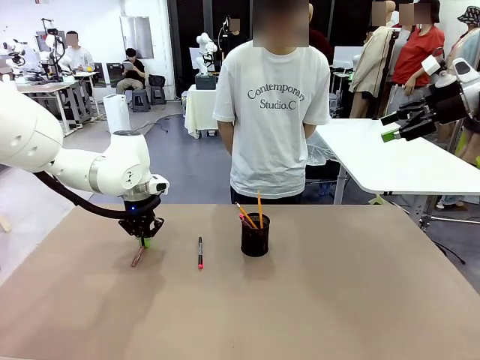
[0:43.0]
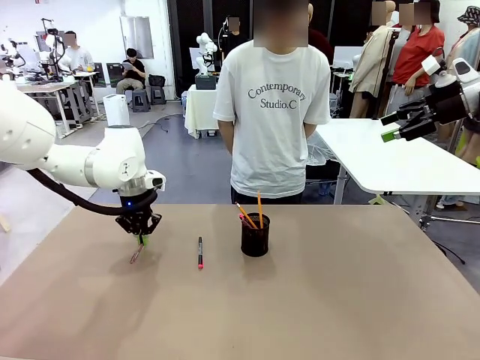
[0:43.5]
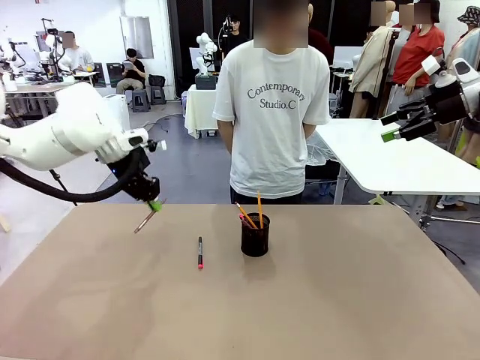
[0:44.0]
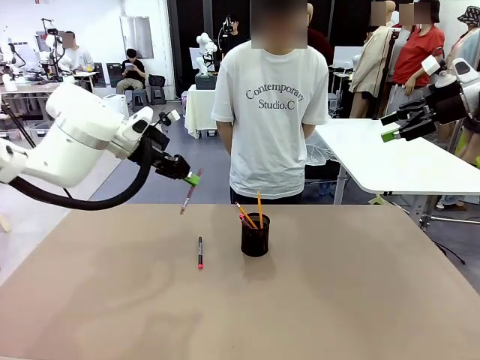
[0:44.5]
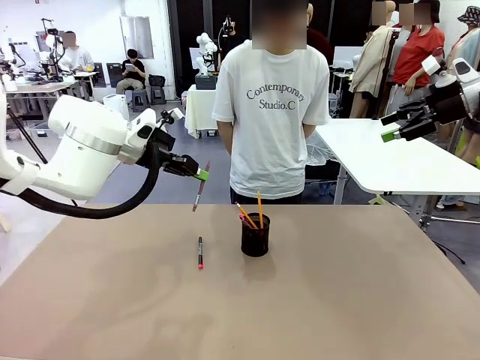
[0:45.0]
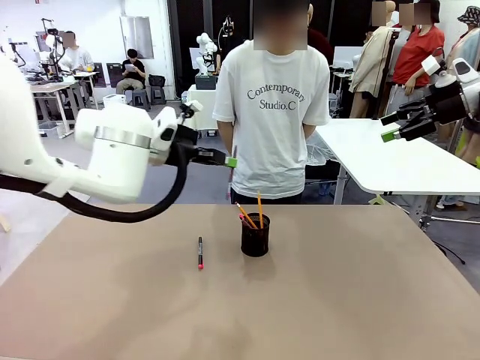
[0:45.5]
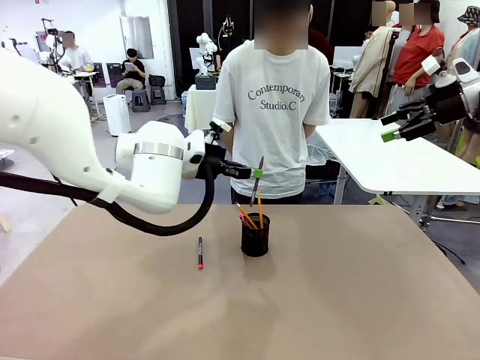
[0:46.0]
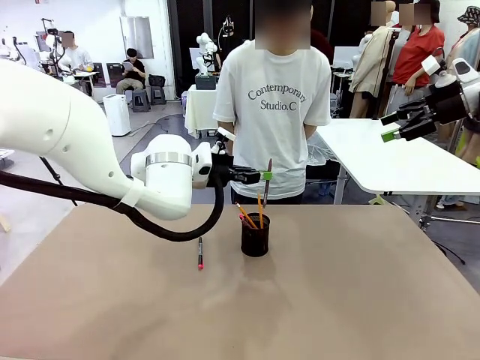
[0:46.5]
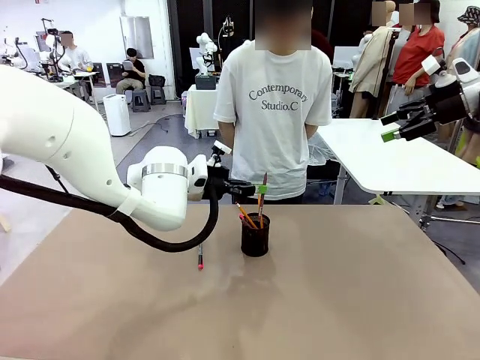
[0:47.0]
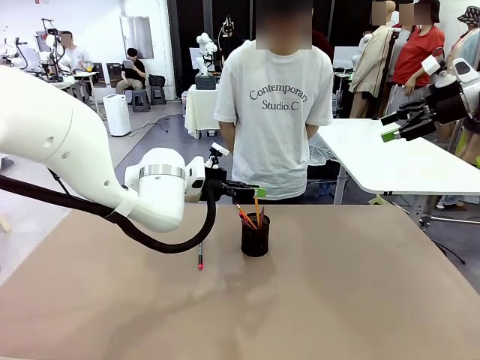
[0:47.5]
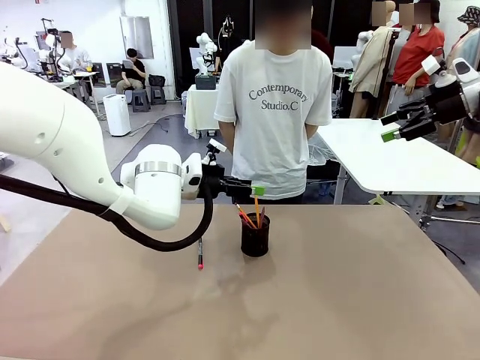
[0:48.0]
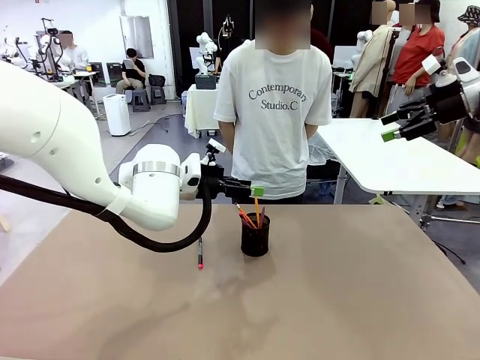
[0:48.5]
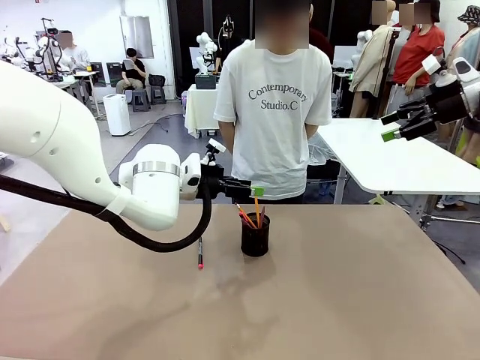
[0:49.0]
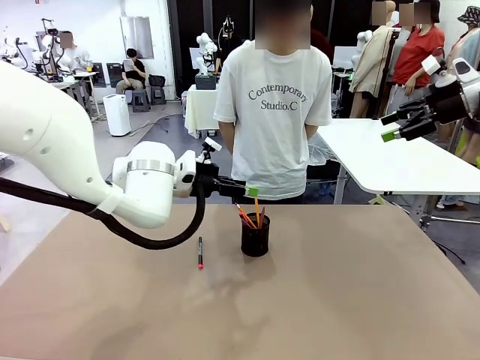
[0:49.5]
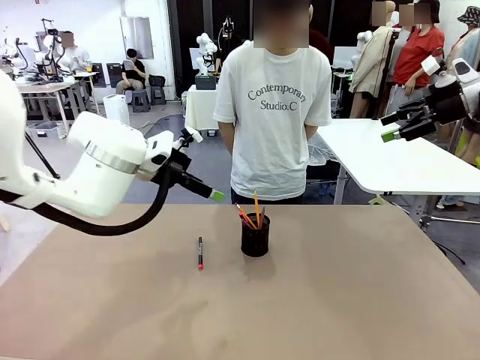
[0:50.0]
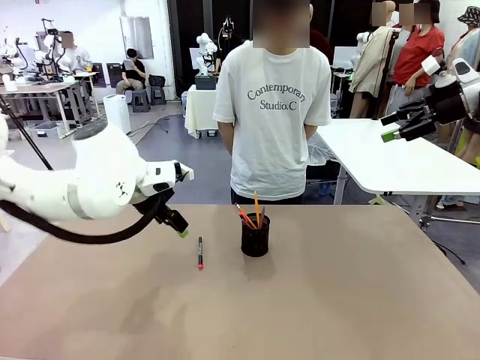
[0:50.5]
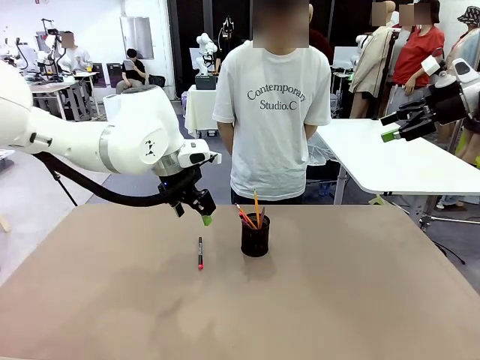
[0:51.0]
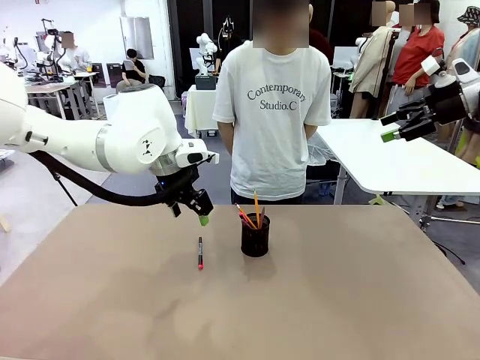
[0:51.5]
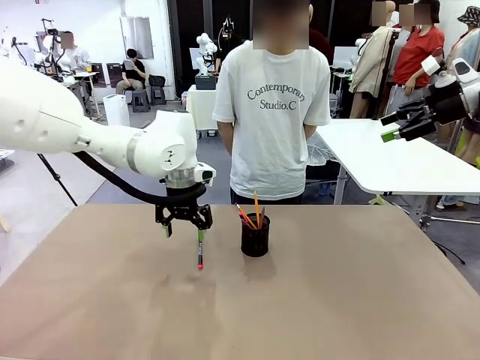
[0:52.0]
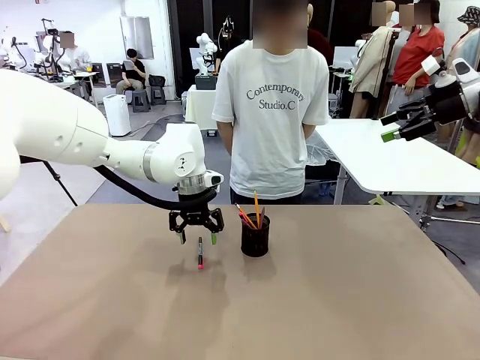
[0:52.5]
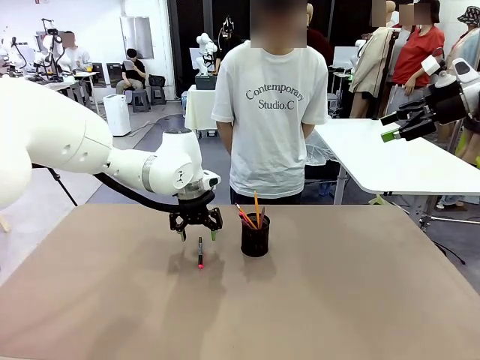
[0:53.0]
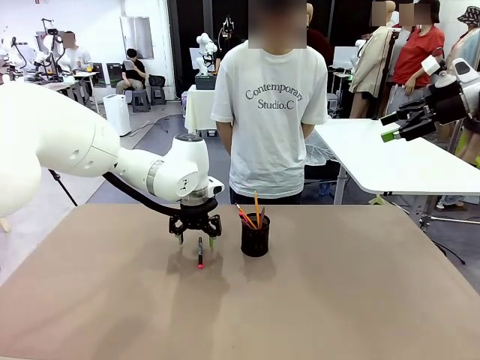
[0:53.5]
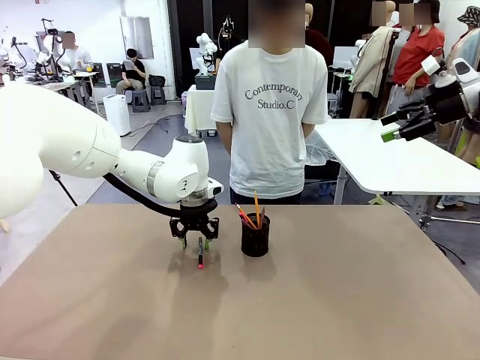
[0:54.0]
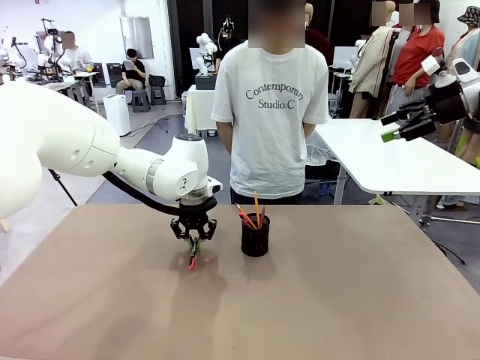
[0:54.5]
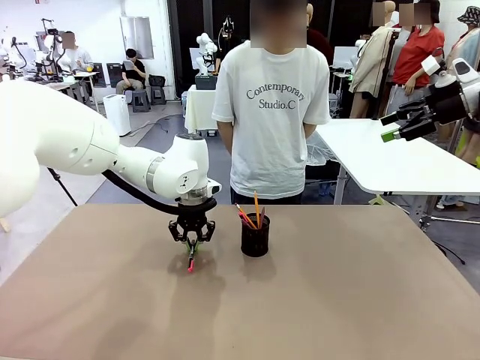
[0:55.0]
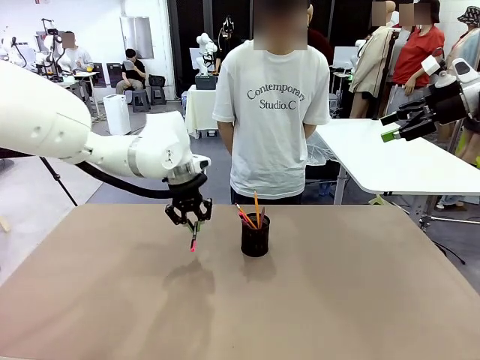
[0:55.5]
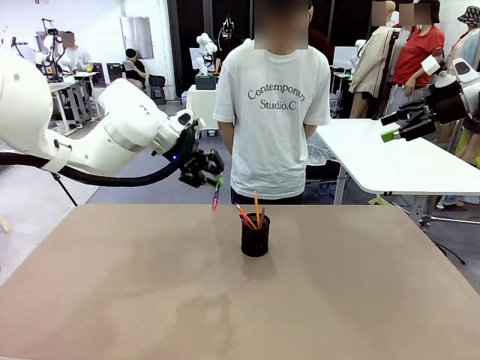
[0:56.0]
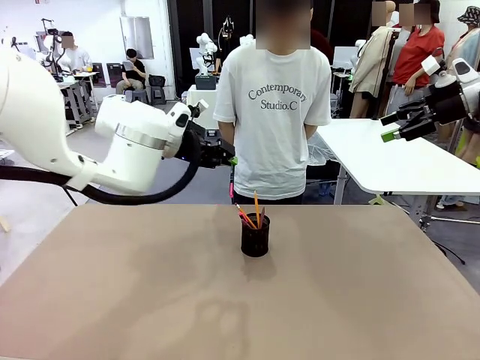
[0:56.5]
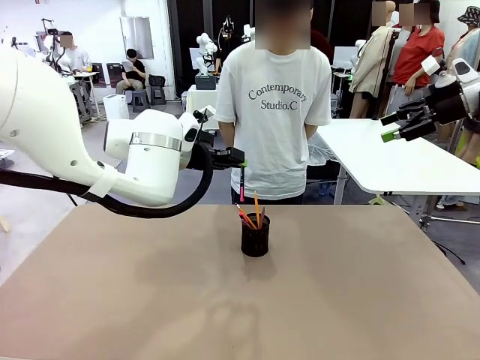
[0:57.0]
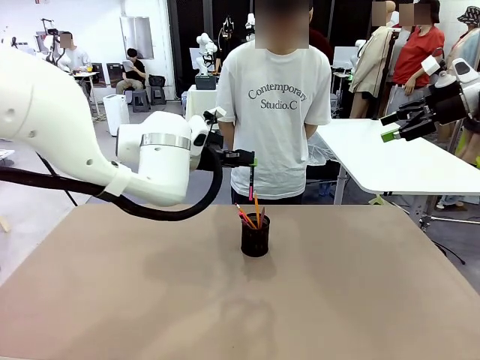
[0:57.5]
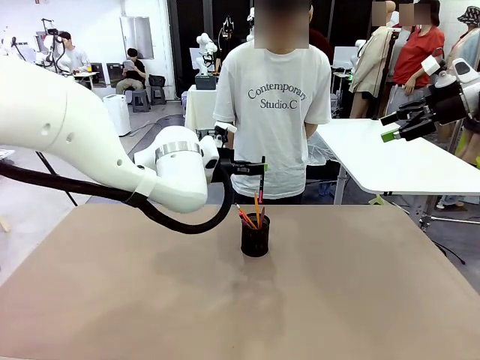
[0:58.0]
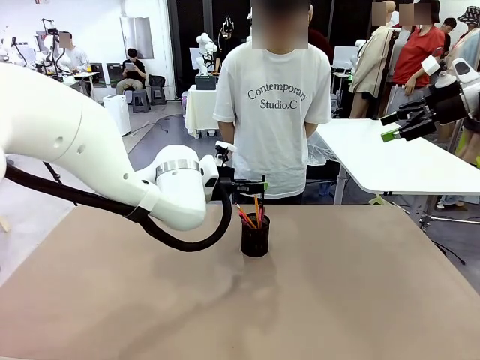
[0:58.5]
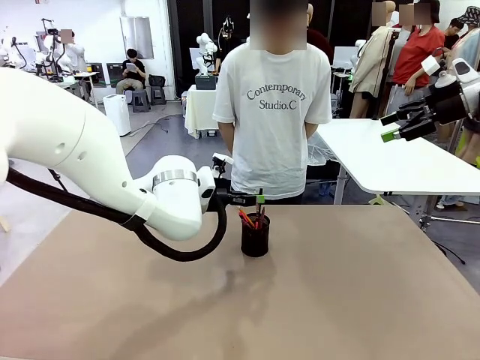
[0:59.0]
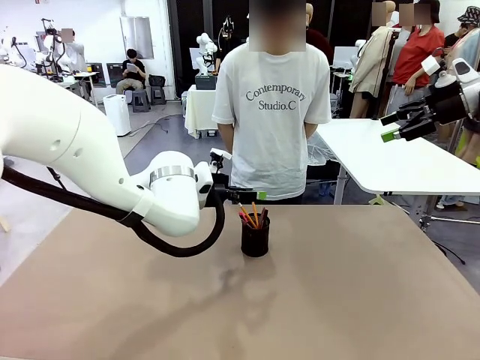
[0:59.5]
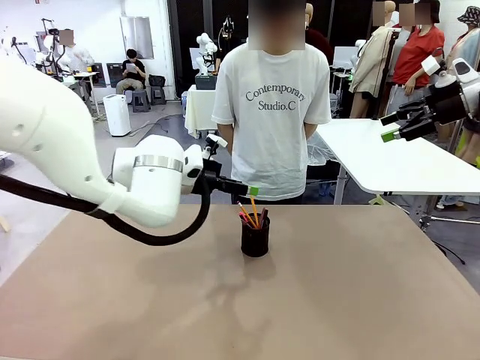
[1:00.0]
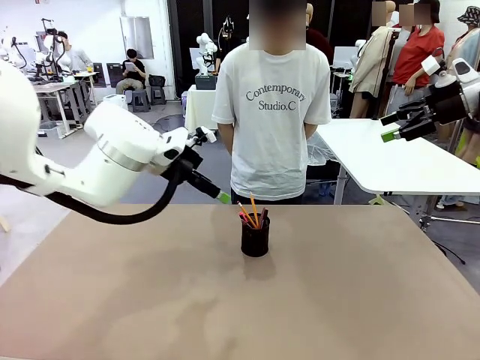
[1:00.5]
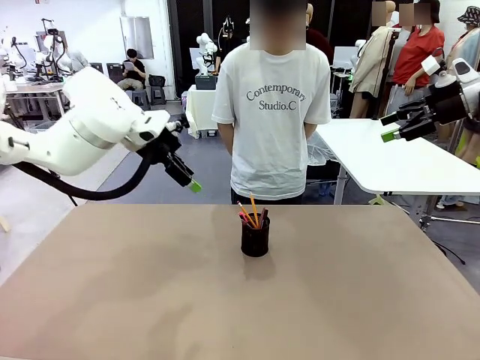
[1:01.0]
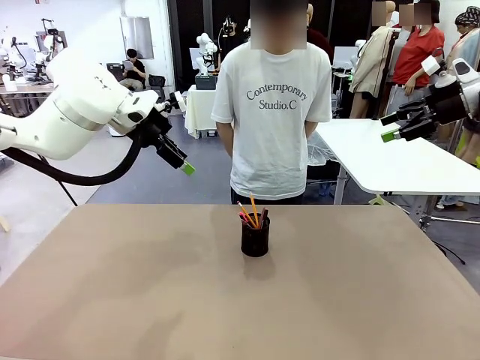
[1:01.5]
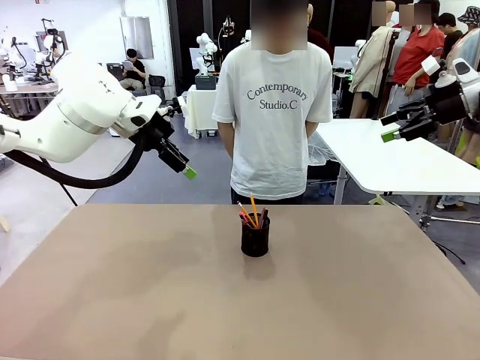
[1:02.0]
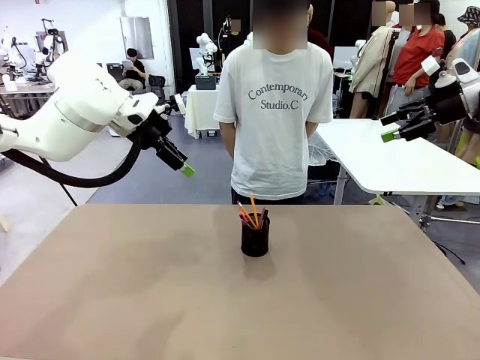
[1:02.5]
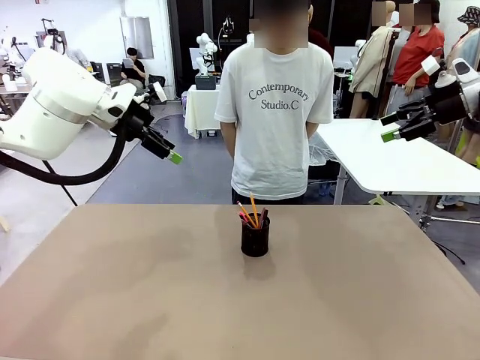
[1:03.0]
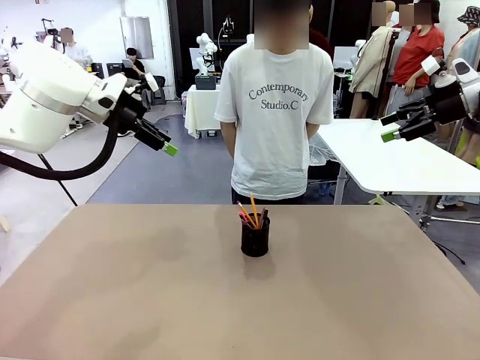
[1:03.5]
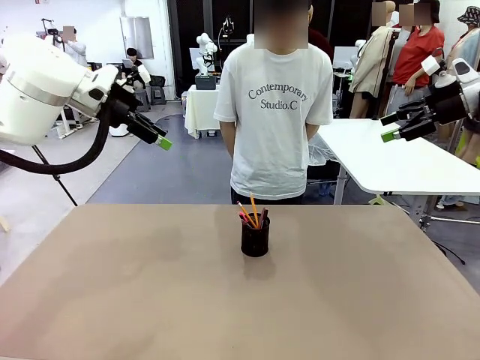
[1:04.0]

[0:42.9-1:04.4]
Task: Place the pens into the pen holder.
Robot: Pick up a writing instrument from the table and place it into the Pen holder.

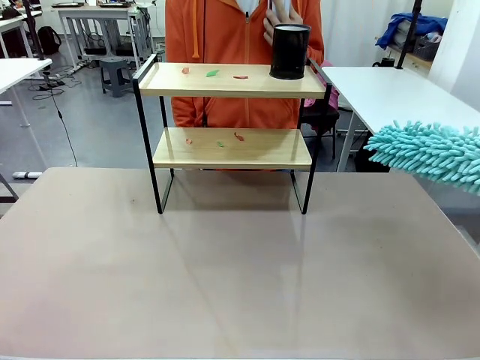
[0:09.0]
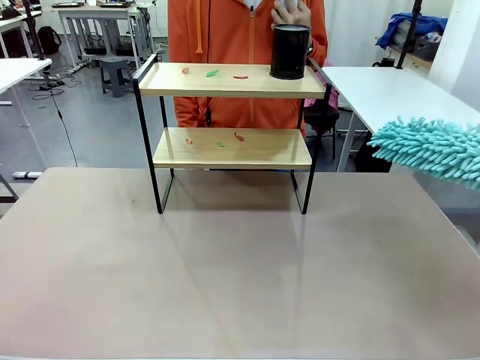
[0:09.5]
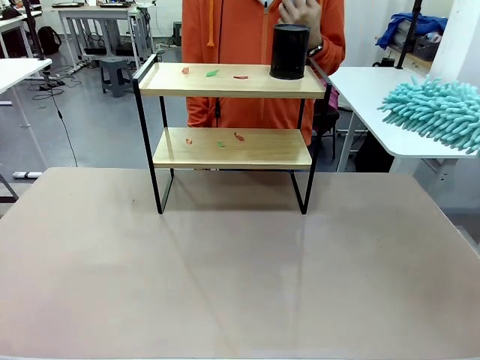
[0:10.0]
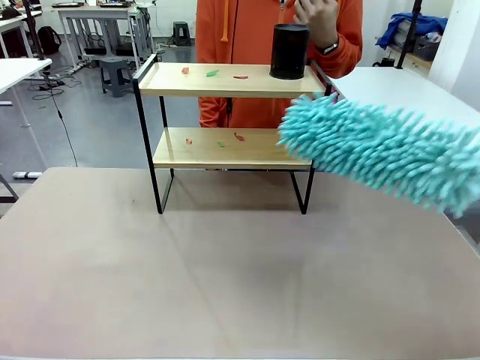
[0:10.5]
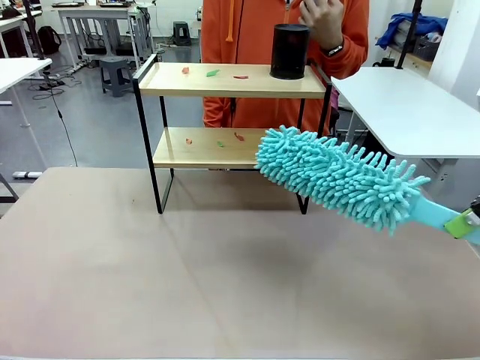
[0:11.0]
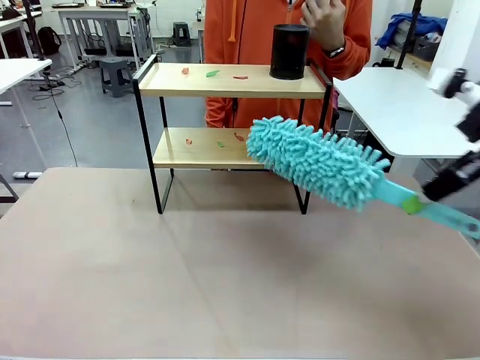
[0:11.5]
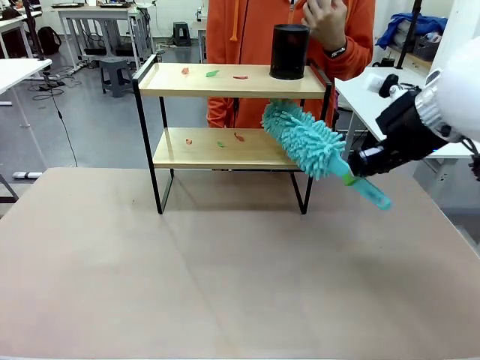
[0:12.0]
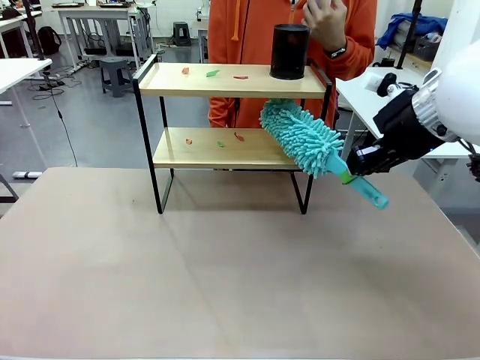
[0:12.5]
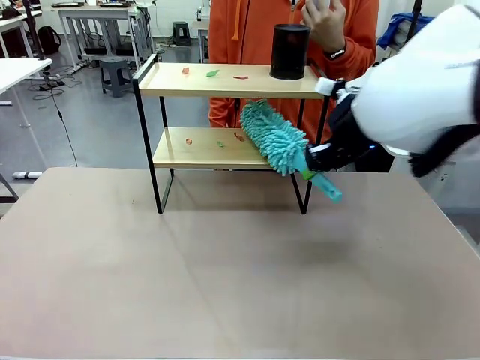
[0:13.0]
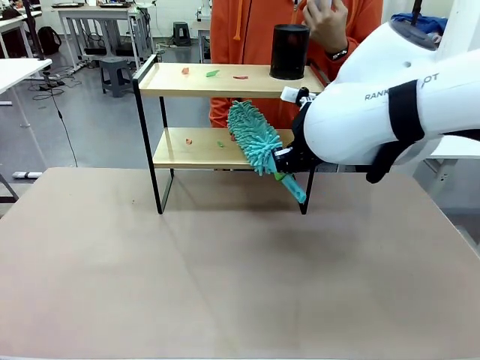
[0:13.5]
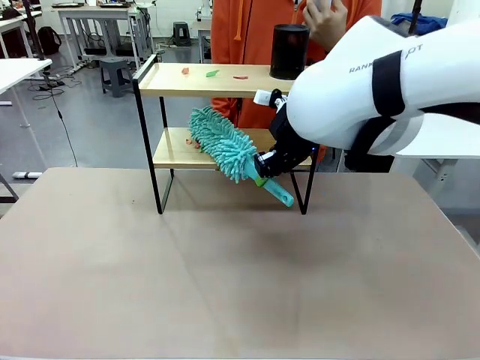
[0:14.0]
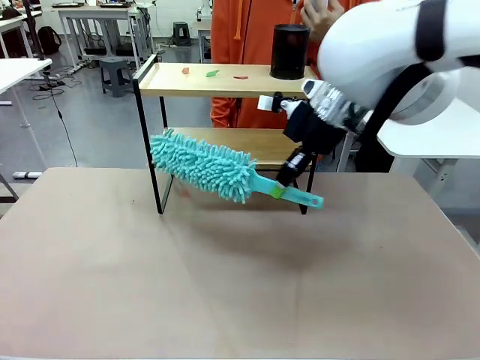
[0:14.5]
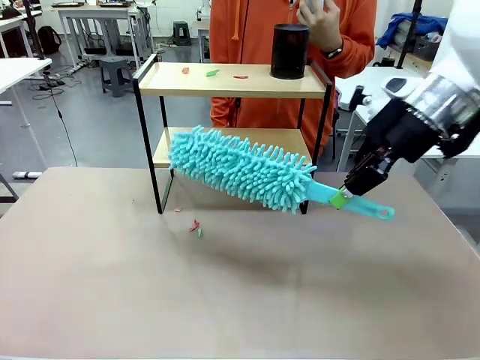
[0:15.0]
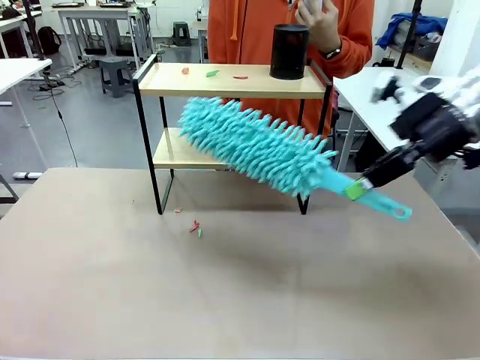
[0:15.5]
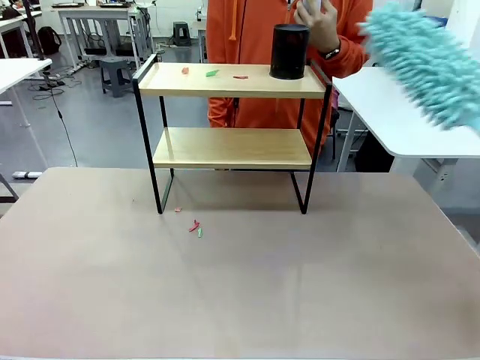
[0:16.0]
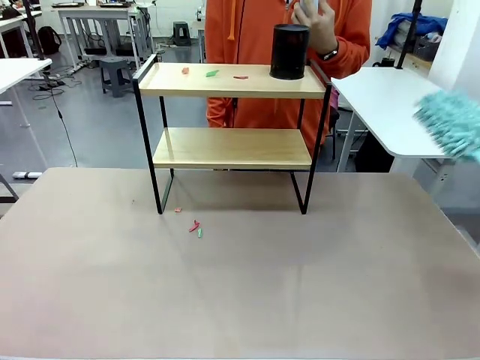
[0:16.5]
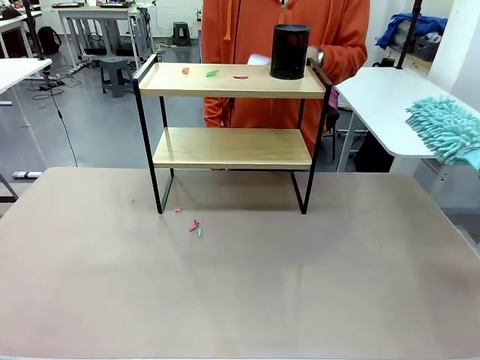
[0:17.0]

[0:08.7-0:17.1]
Task: Clean the shelf.
Robot: Clean the specific tier of the Shelf with the Duster once objects are removed.
Person: Once the robot finishes cleaning, lift the objects on the remaining tiers of the Shelf.
